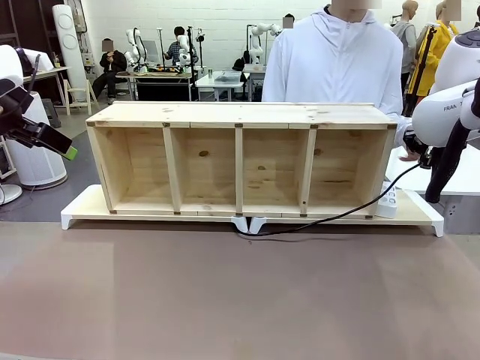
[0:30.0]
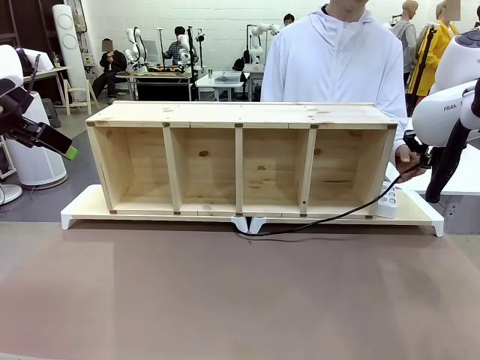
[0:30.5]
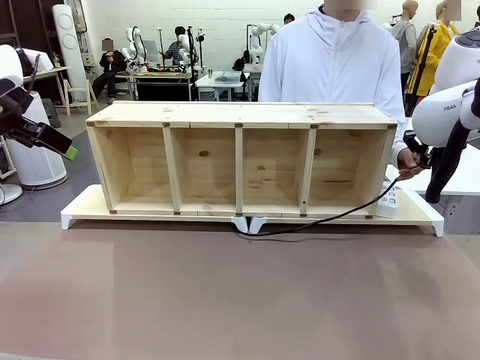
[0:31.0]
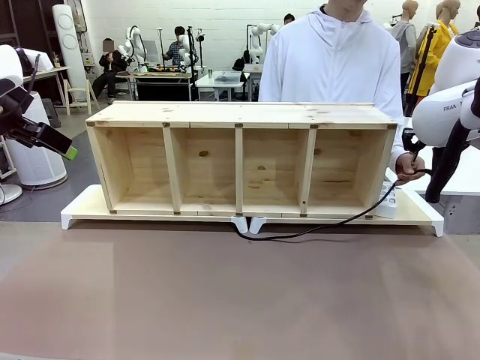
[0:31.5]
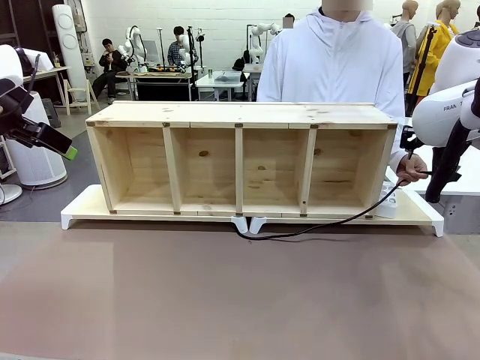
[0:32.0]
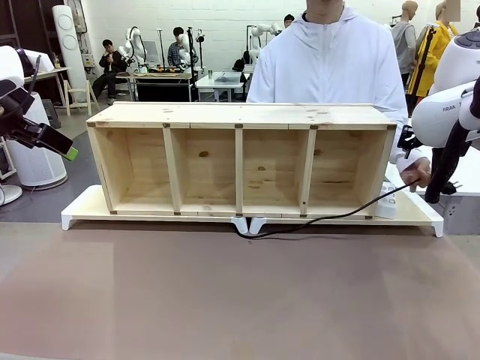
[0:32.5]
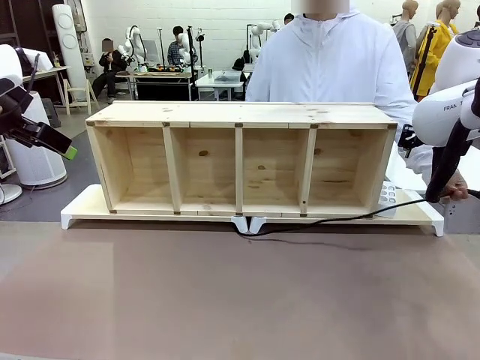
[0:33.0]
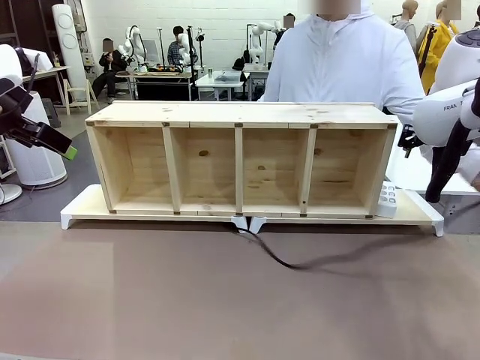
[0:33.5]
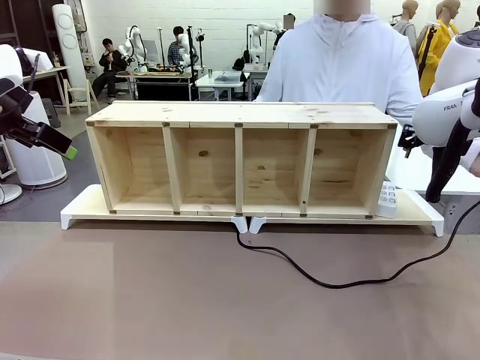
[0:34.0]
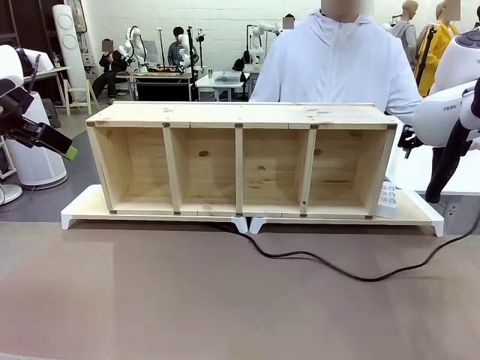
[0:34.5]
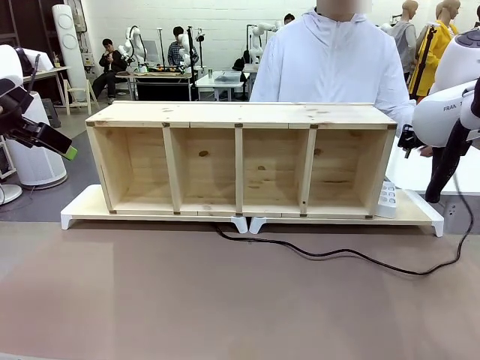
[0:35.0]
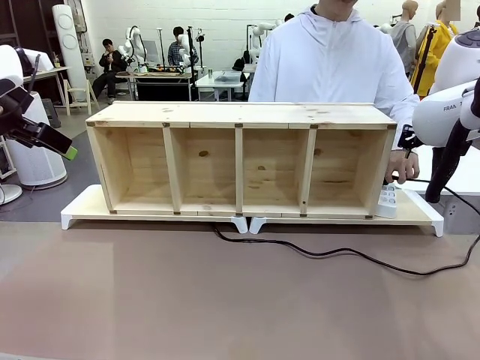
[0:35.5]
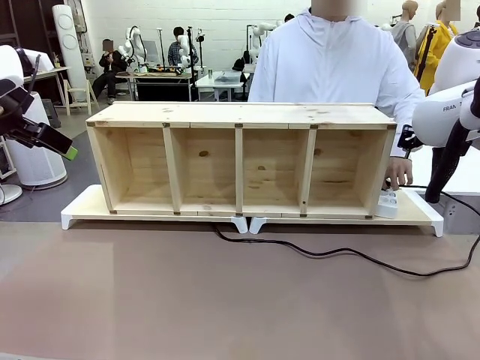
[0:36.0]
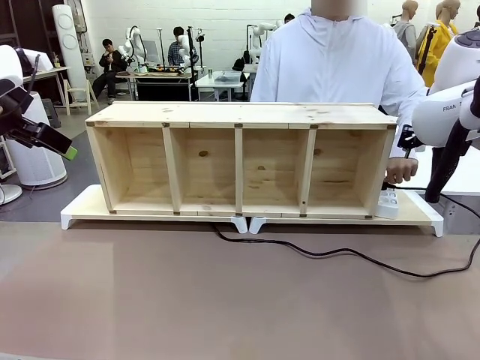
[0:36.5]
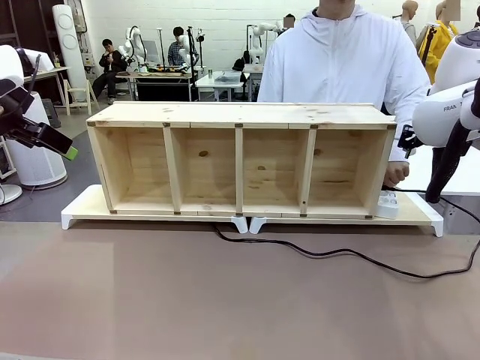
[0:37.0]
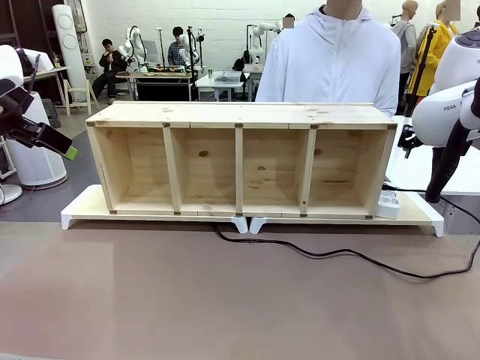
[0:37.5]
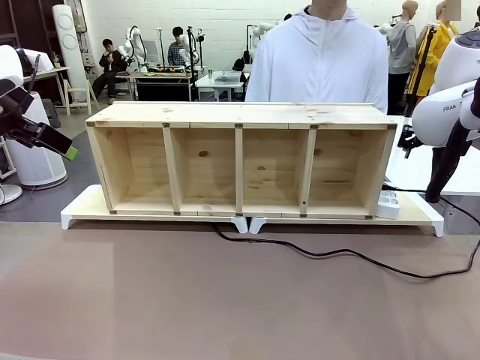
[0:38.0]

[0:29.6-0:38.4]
Task: Perform cable management.
Robot: Release the Power Cable when the human grasps it.
Person: Plug the Power Cable into the Power Strip.

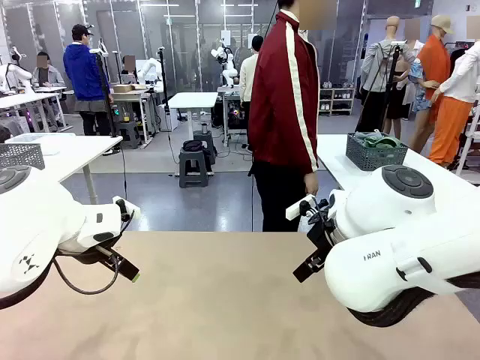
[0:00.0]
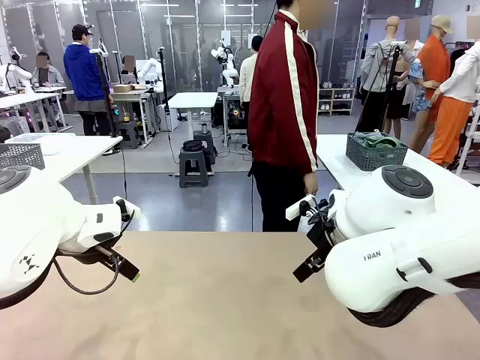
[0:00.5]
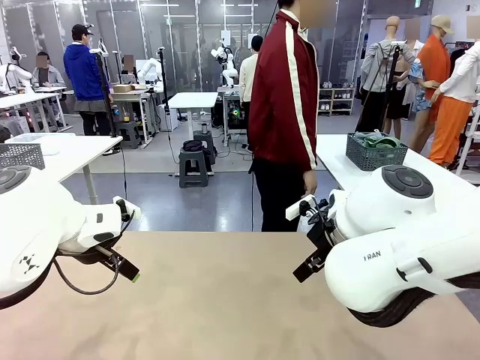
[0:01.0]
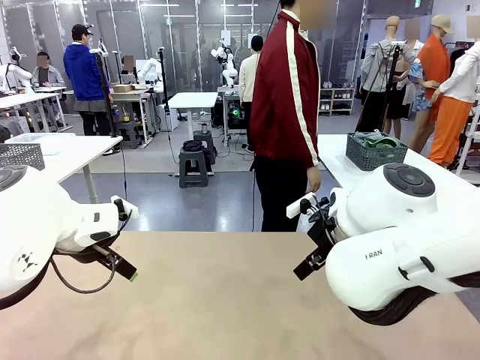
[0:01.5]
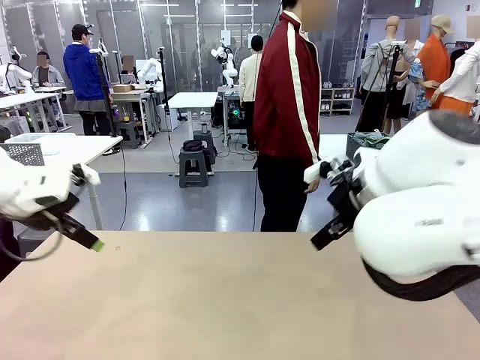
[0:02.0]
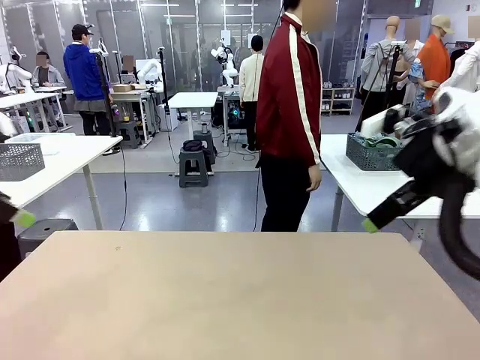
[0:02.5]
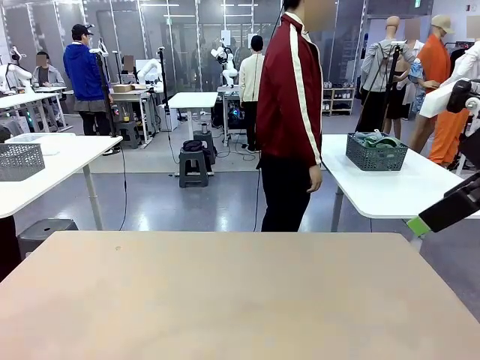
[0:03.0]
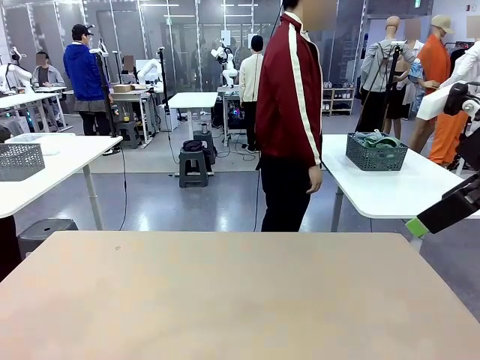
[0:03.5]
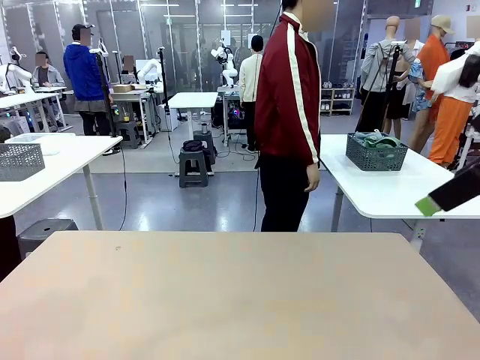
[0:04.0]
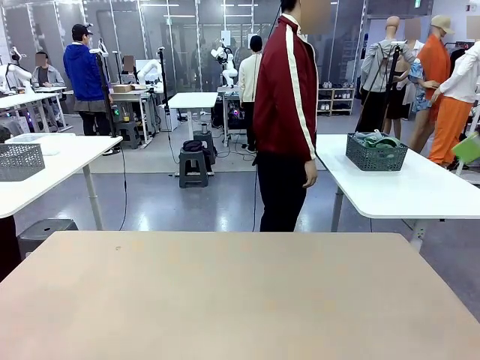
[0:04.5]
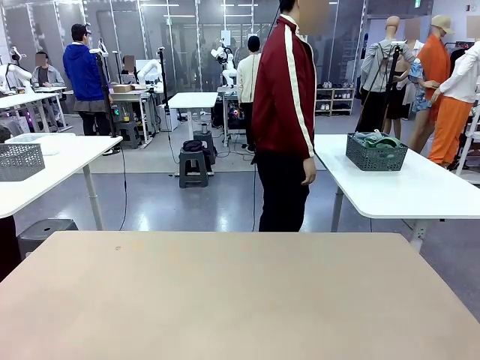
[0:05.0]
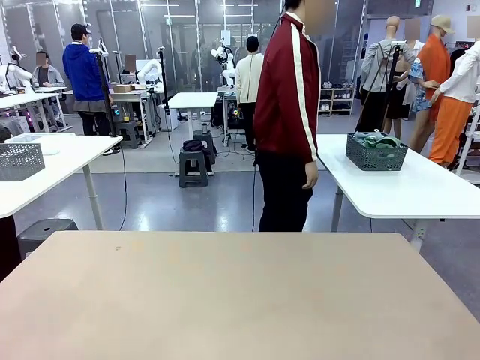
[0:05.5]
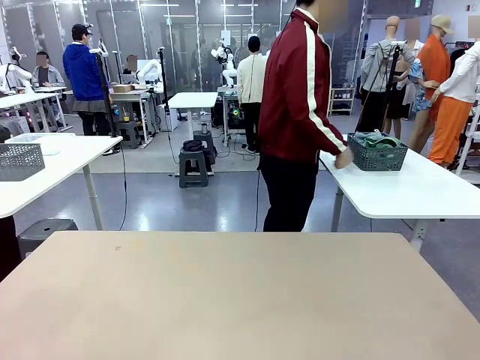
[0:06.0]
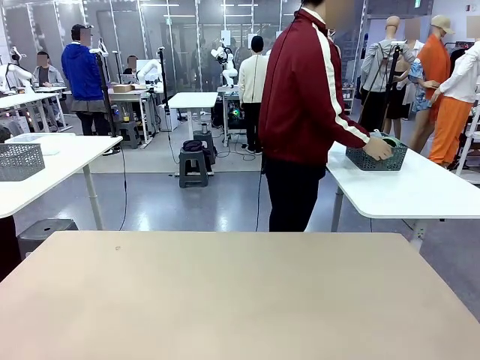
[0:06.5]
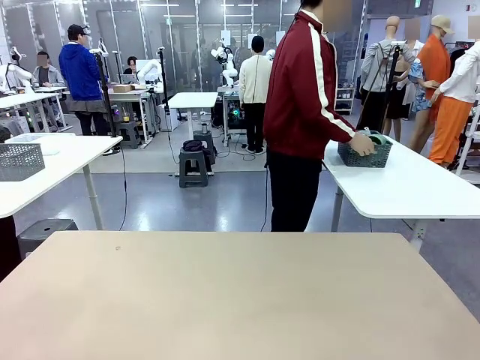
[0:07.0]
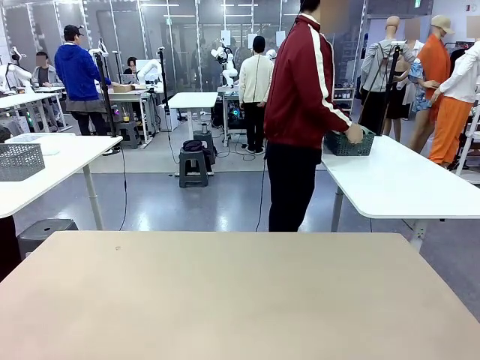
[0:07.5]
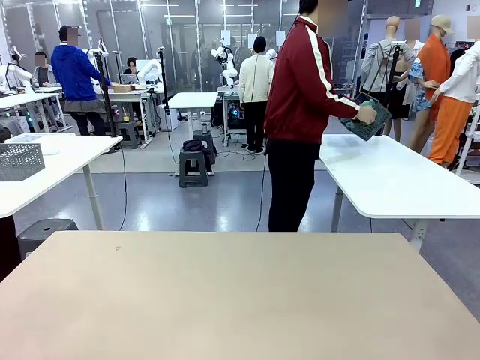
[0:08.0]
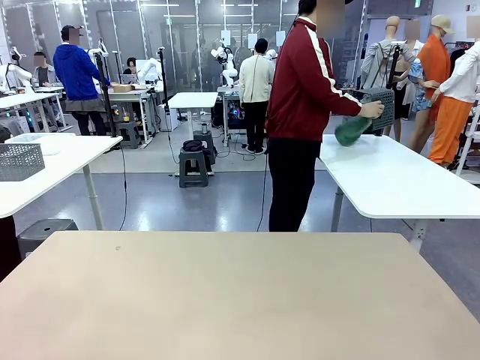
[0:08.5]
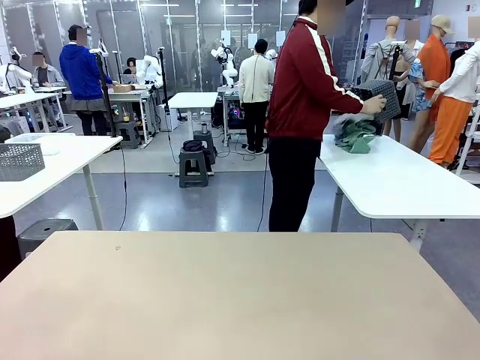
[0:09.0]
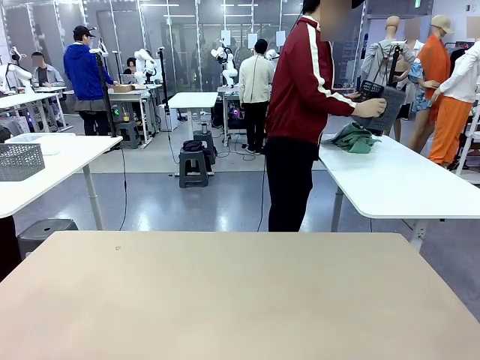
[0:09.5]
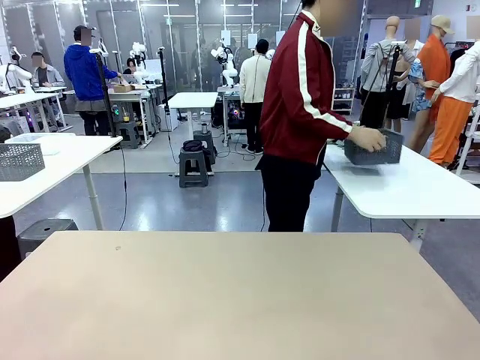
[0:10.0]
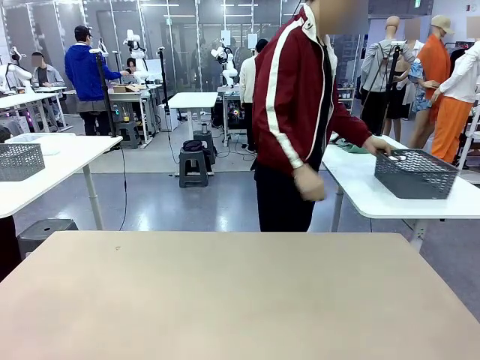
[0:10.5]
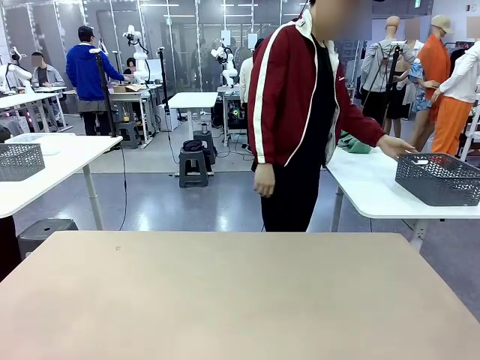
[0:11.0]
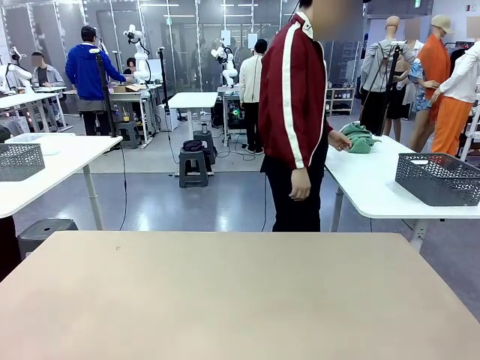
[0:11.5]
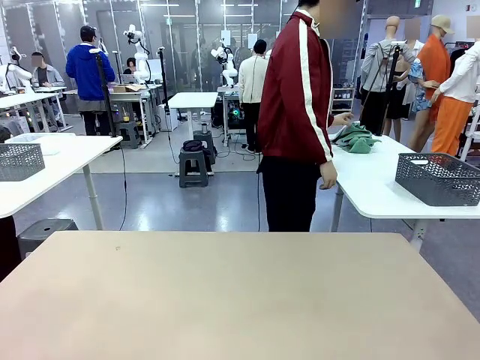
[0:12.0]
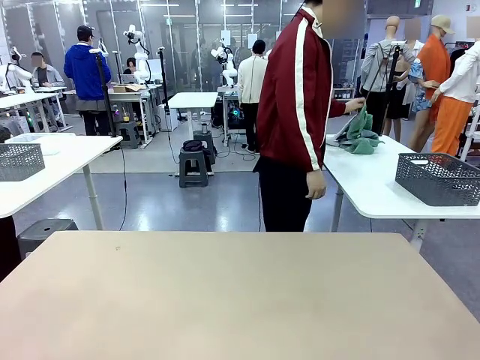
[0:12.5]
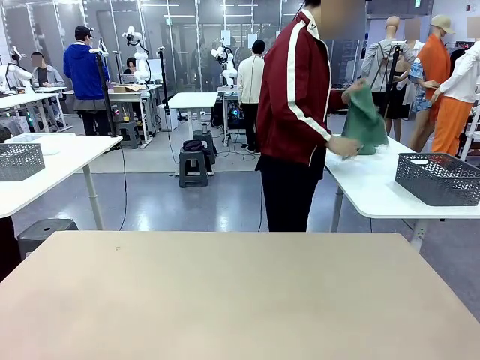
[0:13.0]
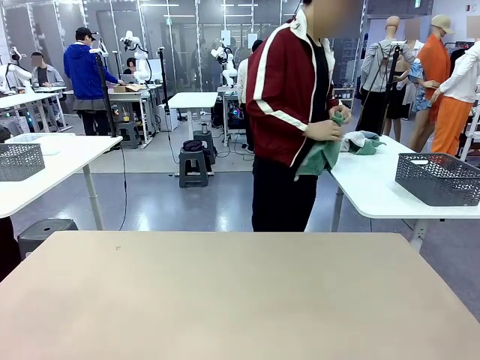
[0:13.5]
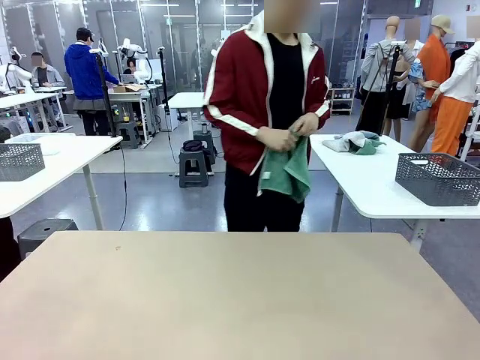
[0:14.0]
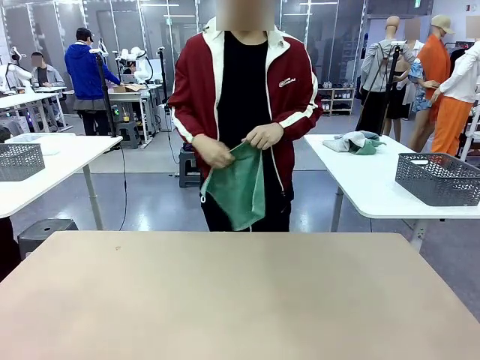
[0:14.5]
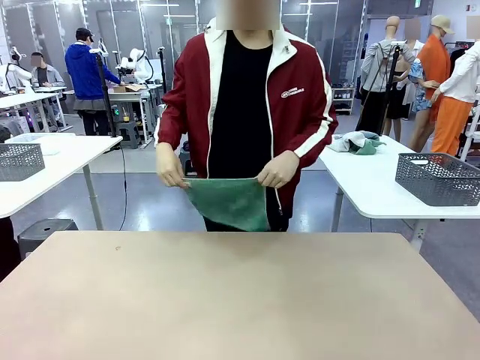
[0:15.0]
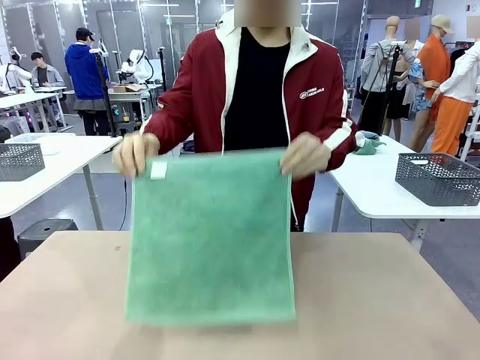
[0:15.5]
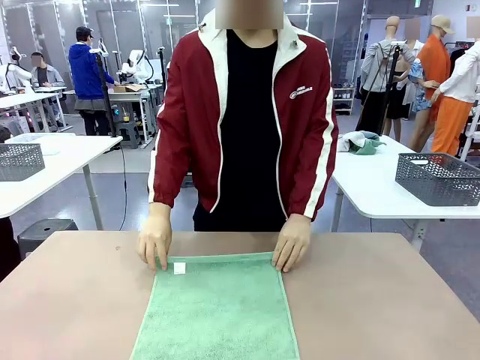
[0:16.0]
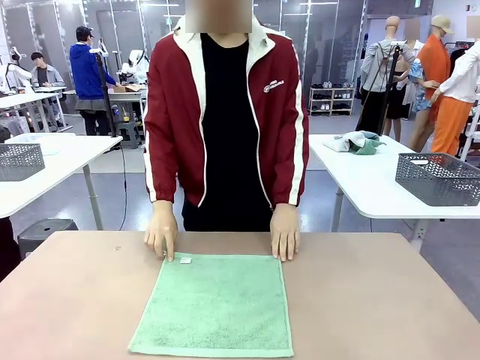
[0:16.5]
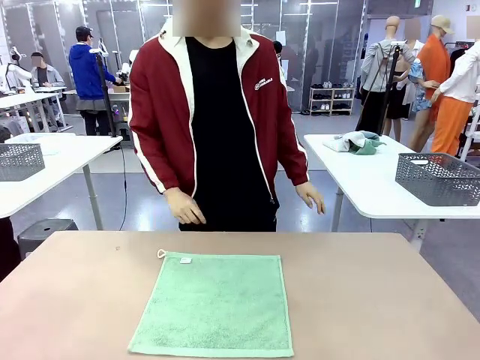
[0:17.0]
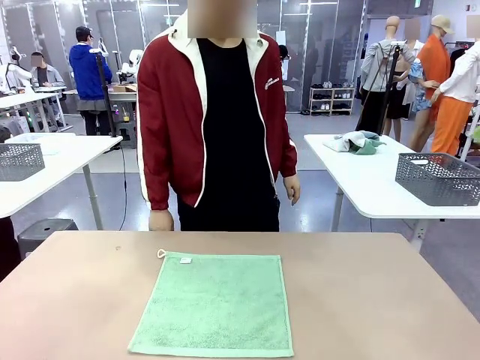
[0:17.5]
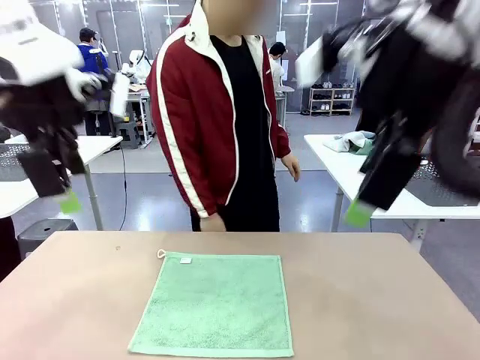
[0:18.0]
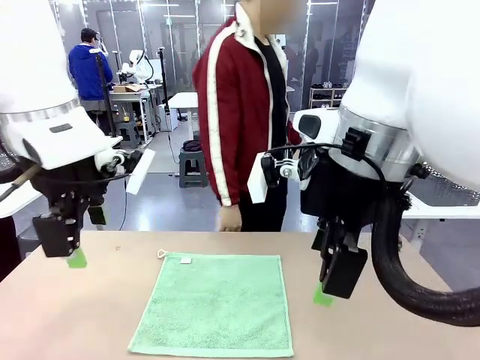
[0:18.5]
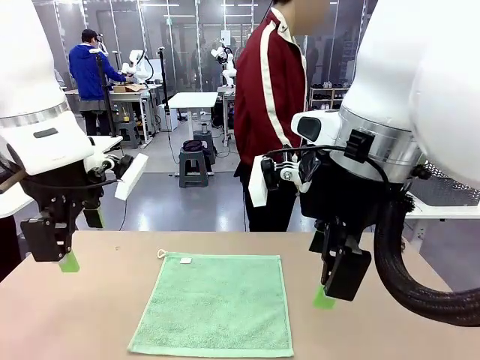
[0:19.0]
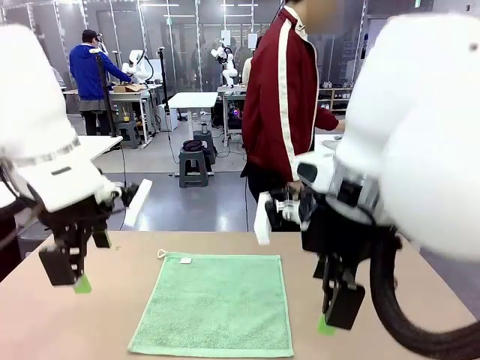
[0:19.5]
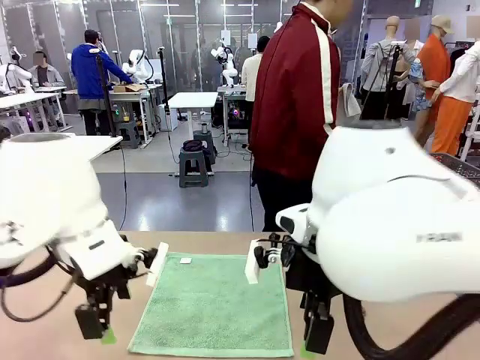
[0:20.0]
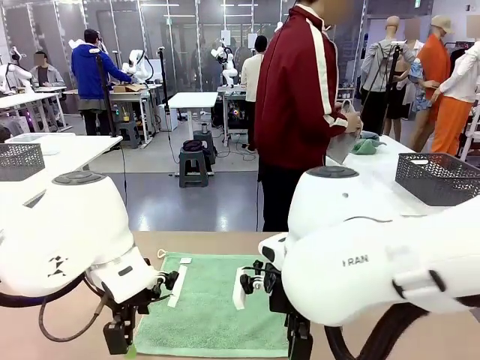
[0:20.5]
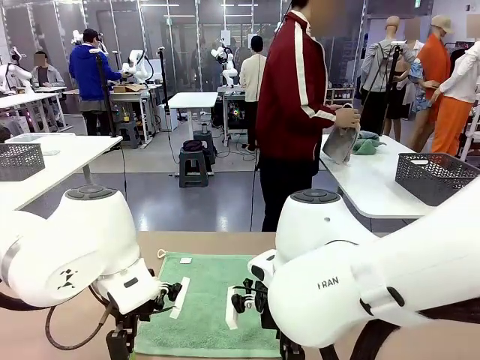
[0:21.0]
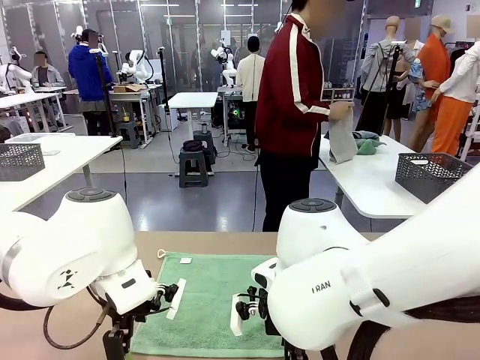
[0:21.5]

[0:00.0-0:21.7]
Task: Fold the towels and place them in the basket.
Robot: When a person lays out a Towel with hook on the table, fold it in half twice.
Person: Pick up the basket, pour the towels onto the left side of the human table, and place the basket on the right side. Pick up one towel and spread it out at the center of the robot table.
